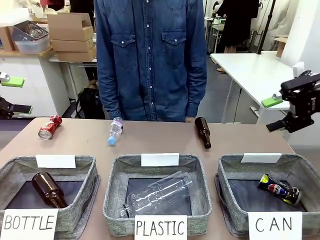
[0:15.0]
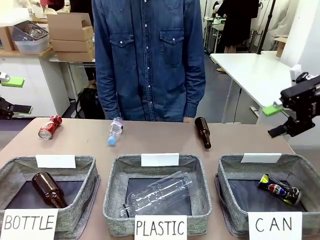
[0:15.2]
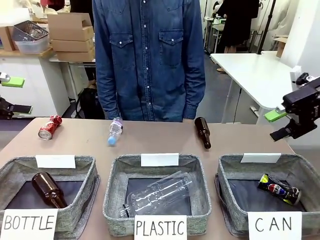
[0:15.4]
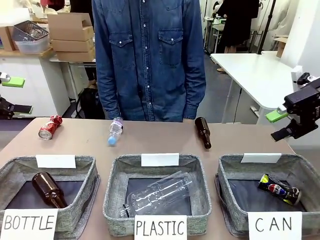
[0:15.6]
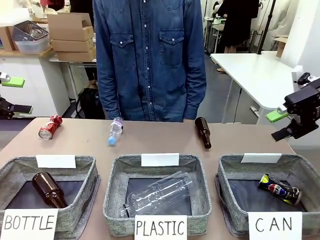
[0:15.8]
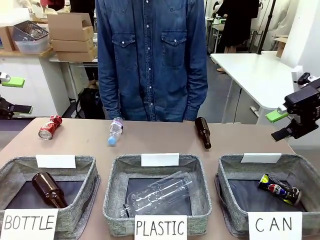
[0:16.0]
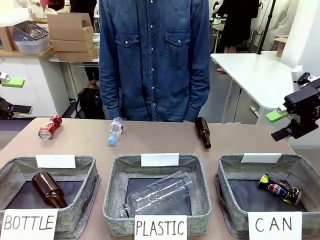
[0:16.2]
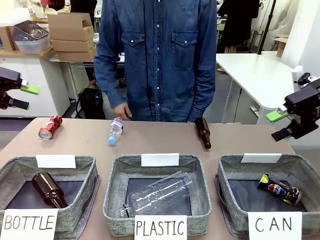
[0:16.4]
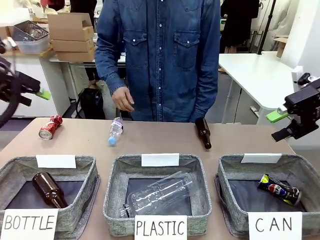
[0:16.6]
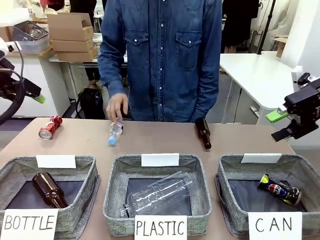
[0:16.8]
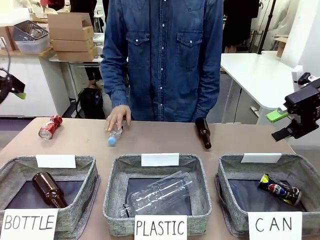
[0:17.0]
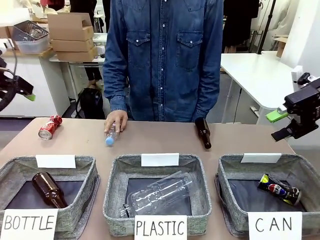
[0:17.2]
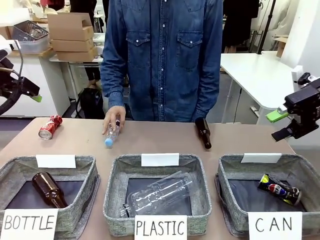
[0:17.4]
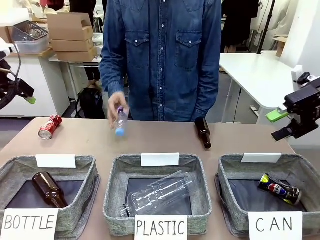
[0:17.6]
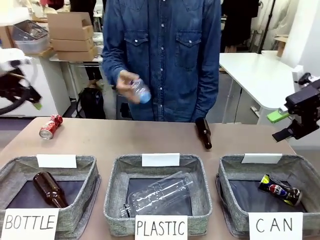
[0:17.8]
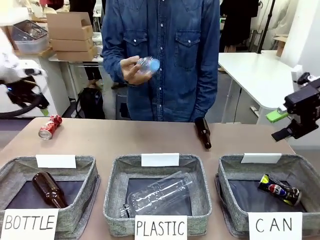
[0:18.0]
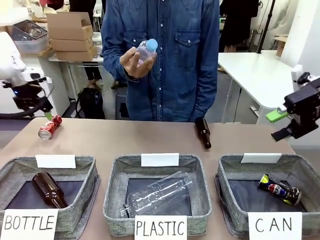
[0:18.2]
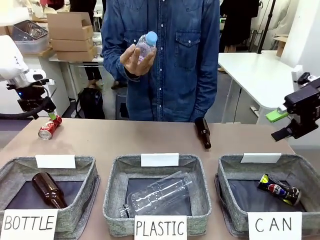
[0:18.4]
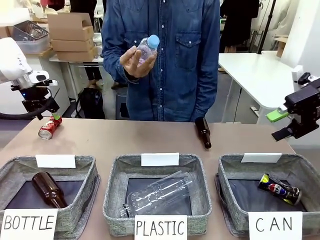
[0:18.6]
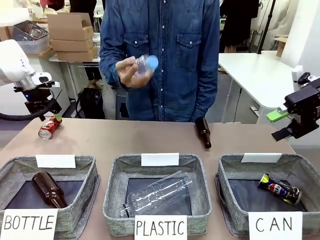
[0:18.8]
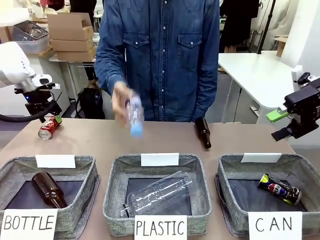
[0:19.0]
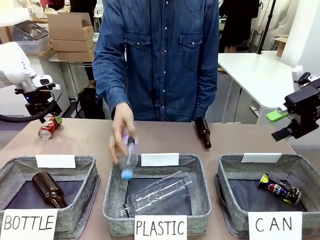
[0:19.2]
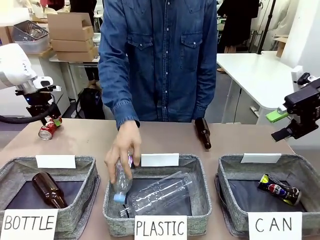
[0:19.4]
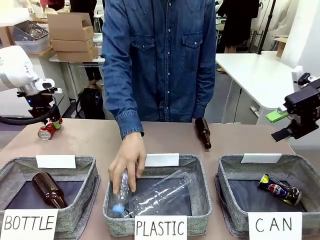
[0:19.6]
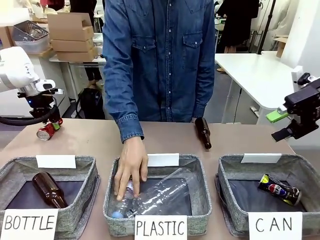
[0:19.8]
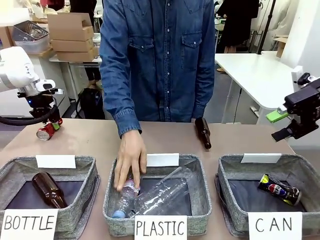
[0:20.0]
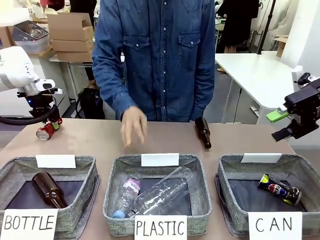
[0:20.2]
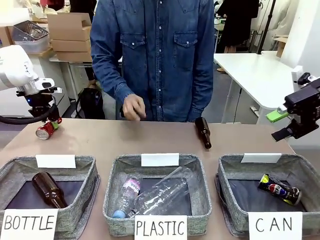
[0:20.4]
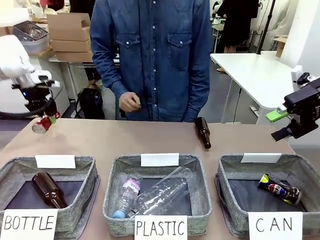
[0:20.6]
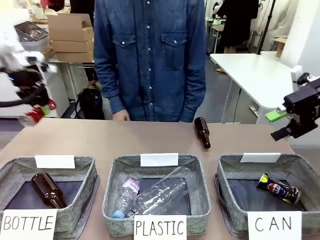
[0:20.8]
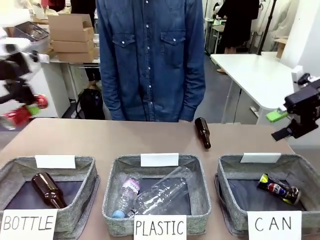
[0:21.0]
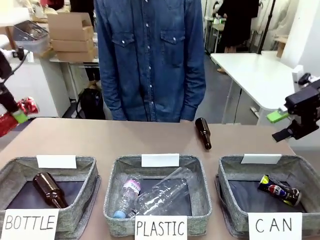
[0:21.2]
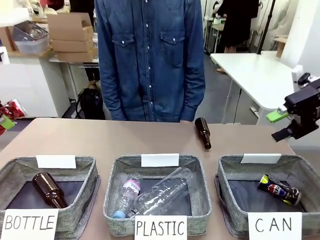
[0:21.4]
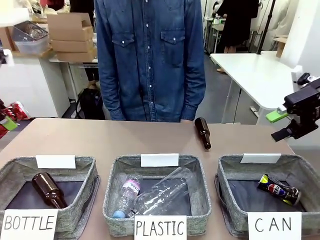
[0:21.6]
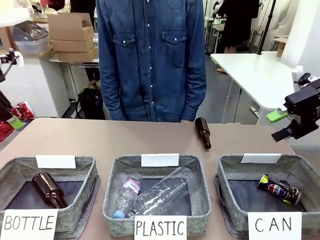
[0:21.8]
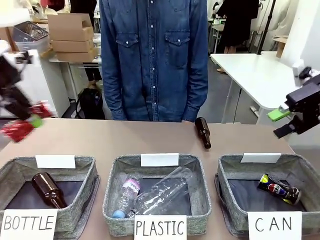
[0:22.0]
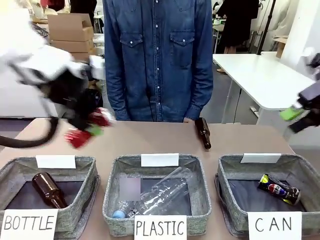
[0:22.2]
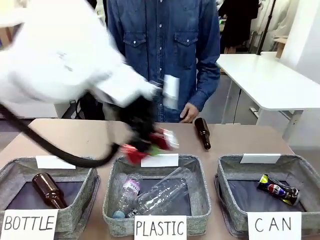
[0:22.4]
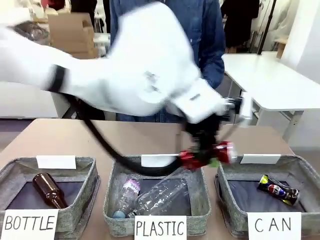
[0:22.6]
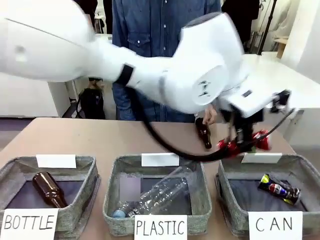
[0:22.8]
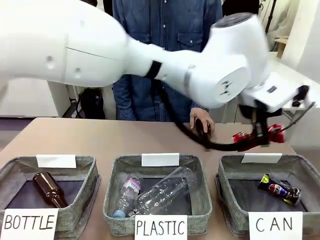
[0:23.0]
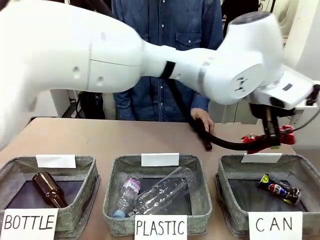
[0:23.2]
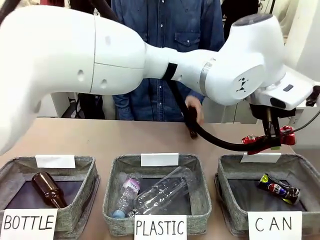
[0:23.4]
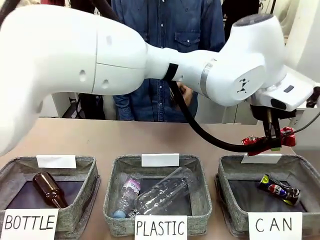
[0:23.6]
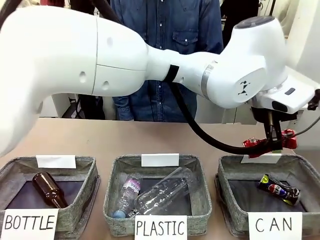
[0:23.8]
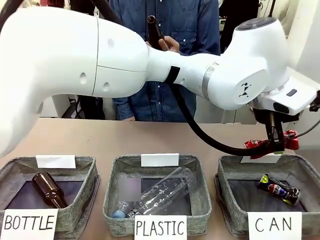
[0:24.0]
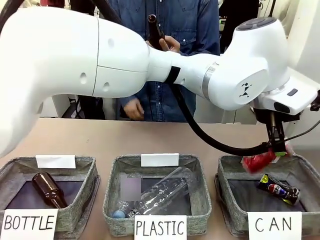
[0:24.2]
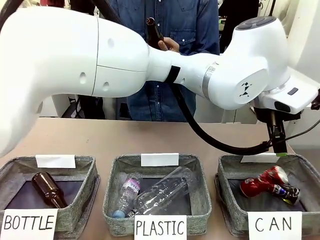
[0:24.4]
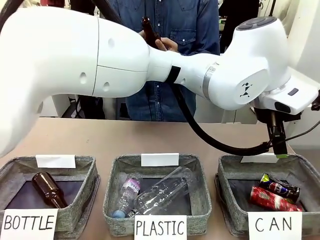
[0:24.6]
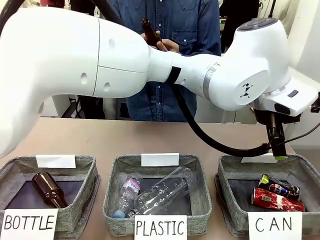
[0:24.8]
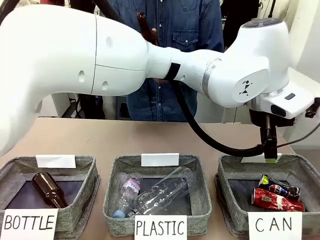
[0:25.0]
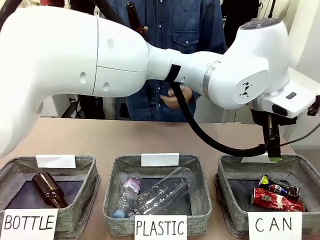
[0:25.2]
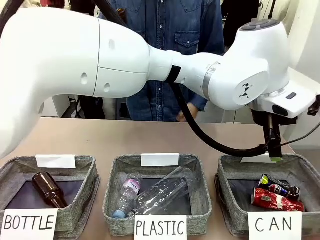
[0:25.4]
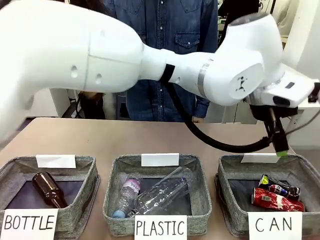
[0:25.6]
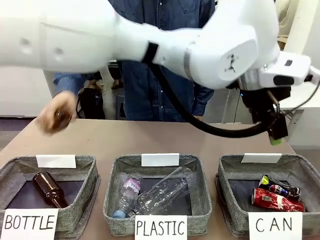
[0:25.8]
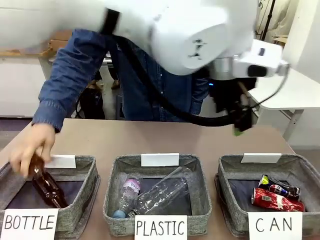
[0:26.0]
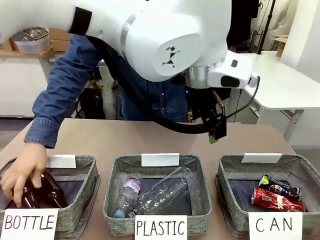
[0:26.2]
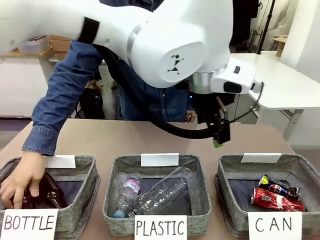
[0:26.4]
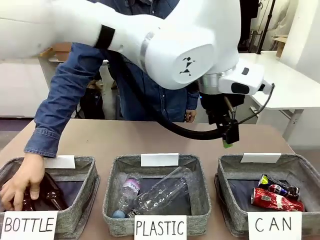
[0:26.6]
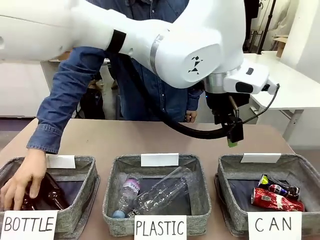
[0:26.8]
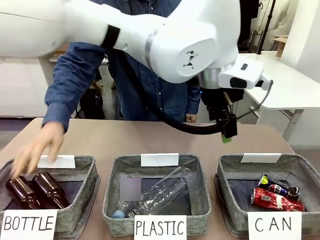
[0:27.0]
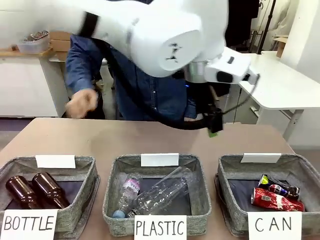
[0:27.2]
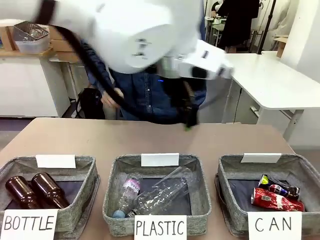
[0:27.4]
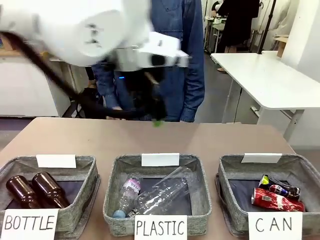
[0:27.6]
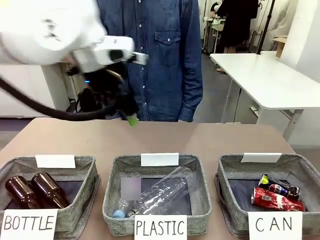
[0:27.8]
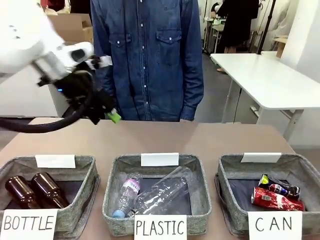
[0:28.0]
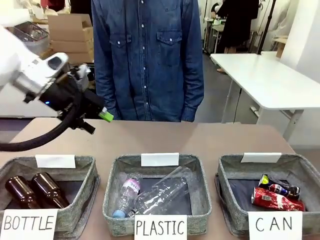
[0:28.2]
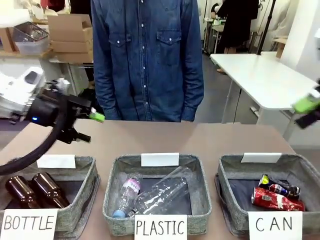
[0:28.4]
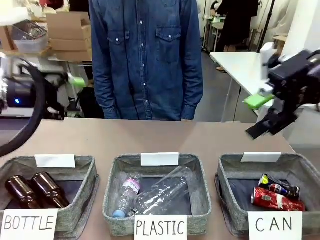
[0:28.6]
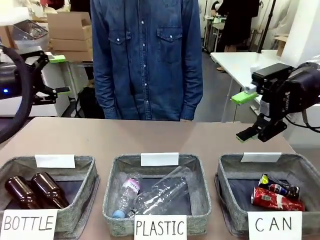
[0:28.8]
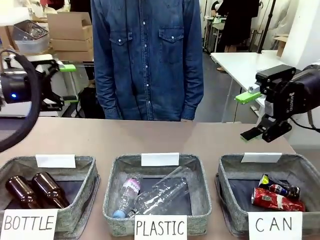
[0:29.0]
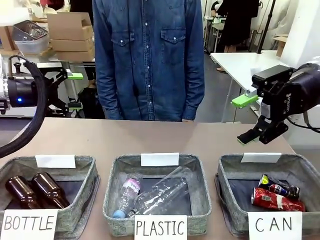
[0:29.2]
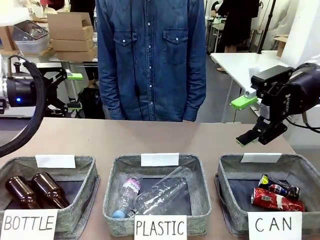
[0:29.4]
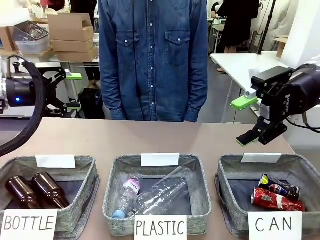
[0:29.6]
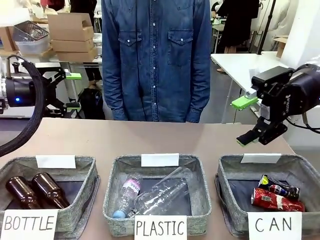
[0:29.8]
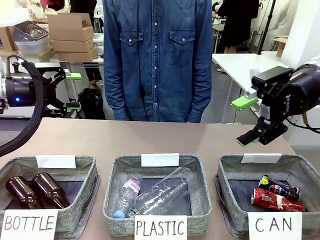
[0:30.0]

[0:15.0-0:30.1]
Task: Sort the can waste into the basket.
Robot: Pick up the can waste from the table and place it in the right Fabric basket.
Person: The human picks up one piece of trash that is not a can and places the trash into the appropriate organizing basket.
